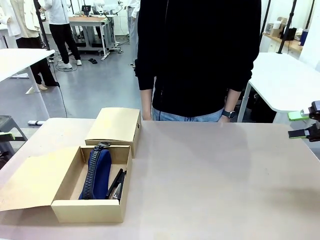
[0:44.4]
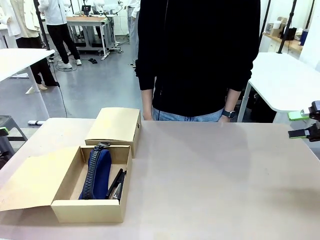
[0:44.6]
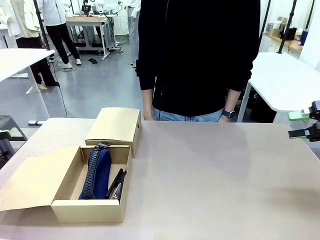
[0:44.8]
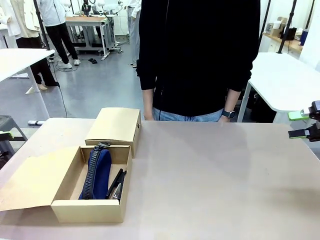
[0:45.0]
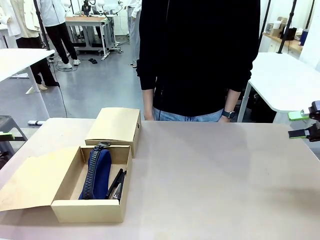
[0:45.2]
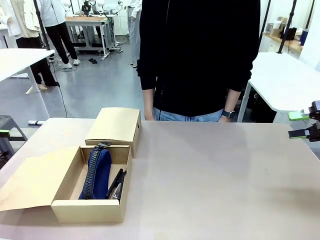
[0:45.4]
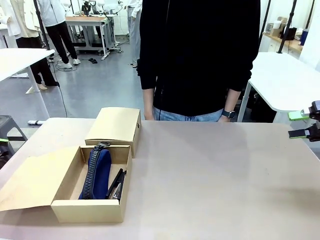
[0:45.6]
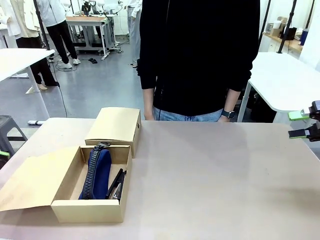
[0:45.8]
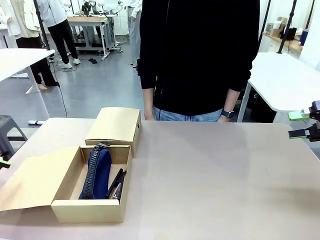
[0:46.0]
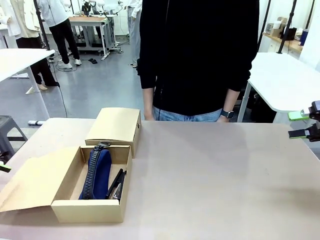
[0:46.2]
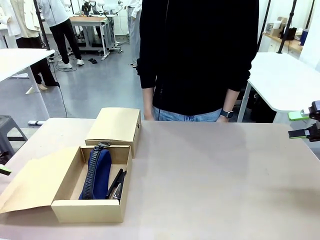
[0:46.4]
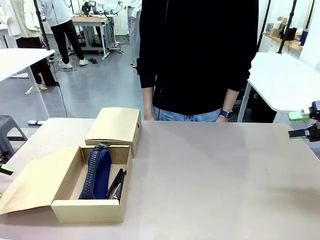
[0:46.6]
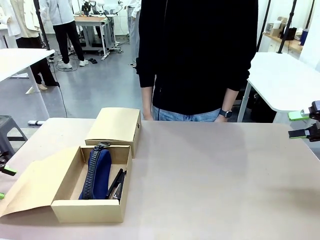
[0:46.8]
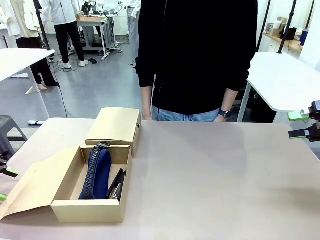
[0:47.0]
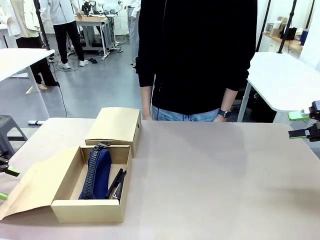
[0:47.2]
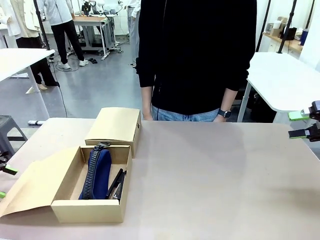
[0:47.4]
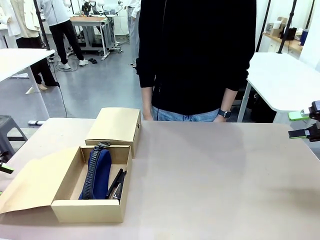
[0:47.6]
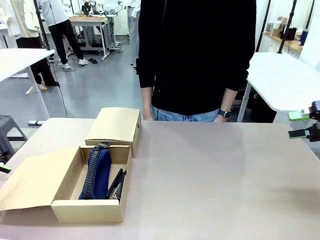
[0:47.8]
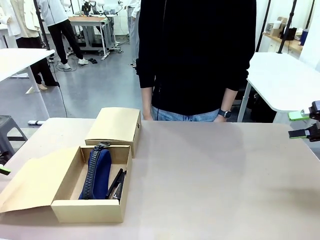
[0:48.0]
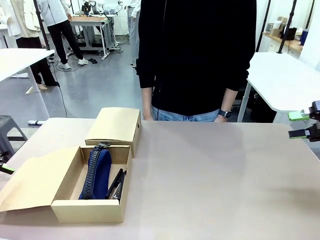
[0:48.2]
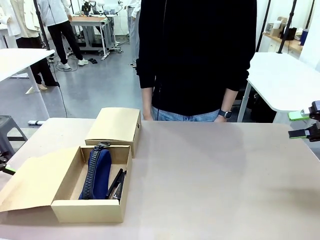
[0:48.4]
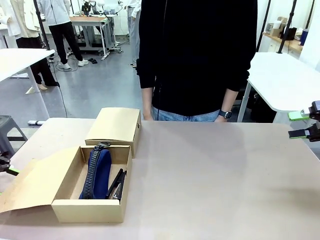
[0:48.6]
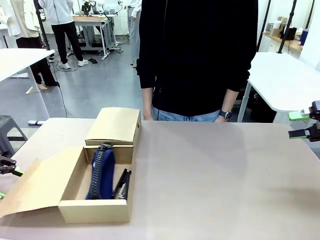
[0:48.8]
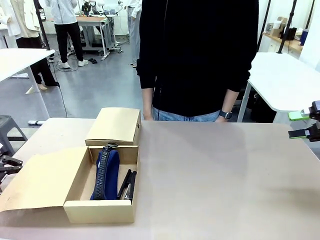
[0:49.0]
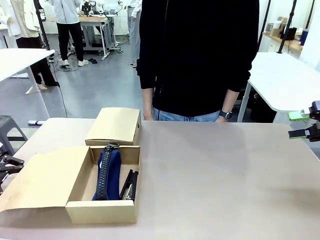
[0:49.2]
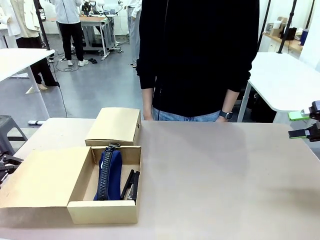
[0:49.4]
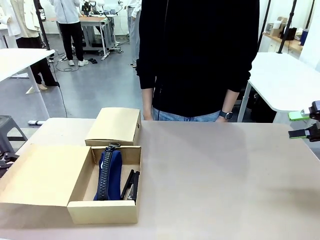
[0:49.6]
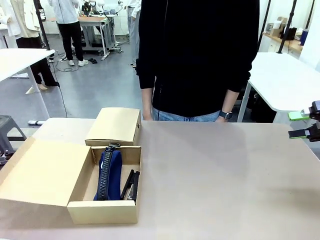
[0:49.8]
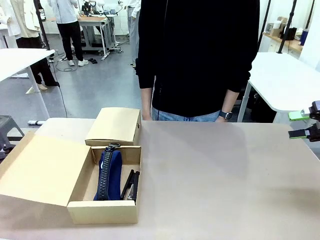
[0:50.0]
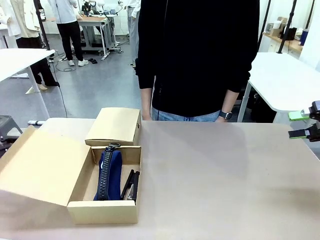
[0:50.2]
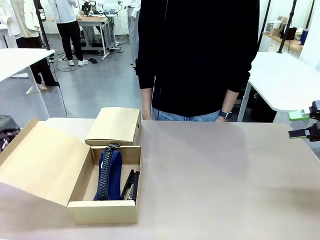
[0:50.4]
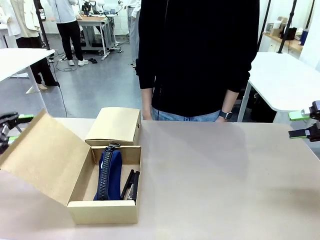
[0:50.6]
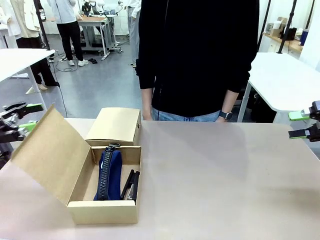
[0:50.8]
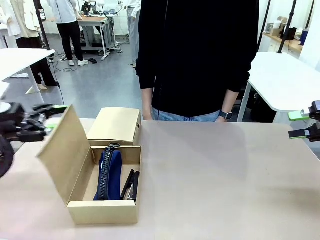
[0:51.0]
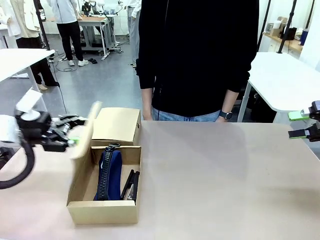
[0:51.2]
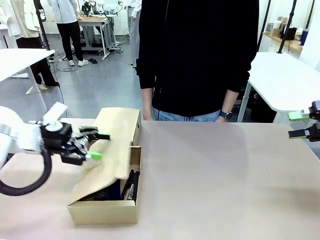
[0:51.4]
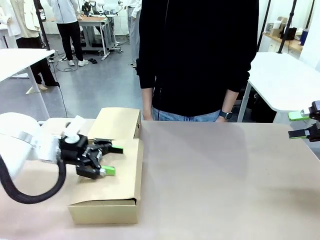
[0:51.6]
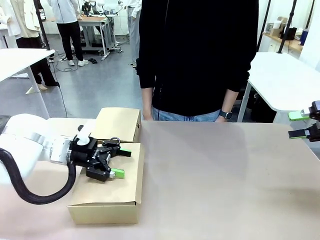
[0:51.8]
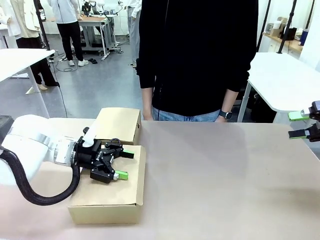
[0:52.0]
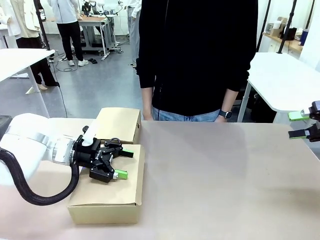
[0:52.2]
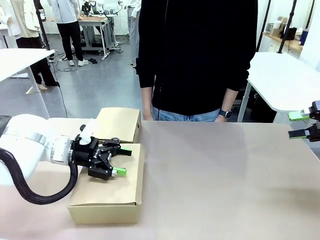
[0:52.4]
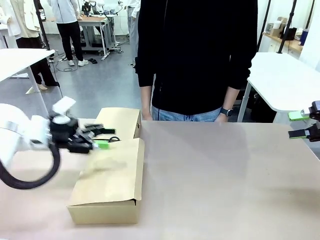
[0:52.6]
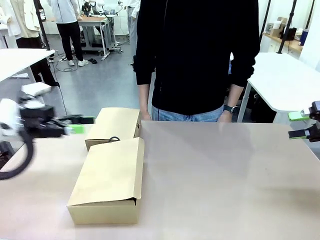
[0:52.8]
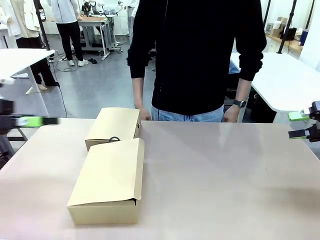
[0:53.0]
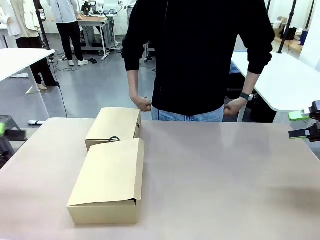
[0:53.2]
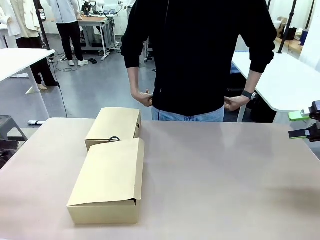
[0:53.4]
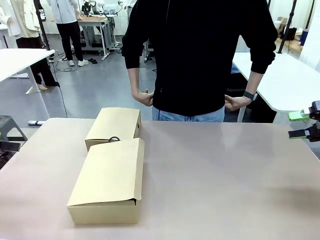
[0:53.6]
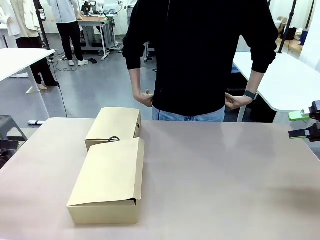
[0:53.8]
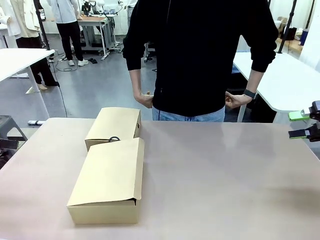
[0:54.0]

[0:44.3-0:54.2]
Task: Place items inside the box.
Robot: Close the lid of the Mailer Box closest to the robot.

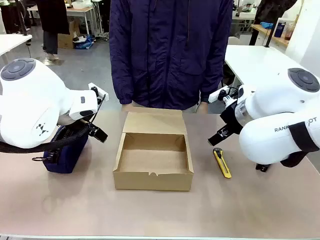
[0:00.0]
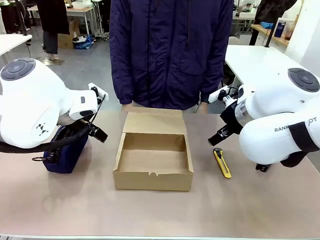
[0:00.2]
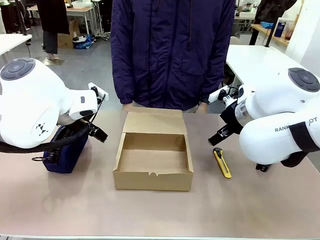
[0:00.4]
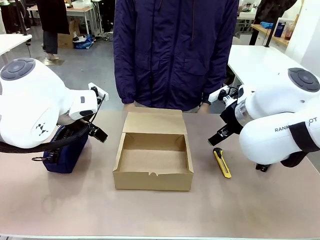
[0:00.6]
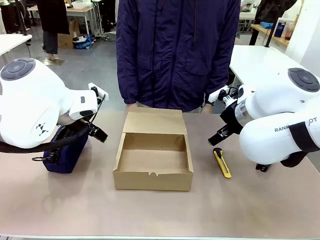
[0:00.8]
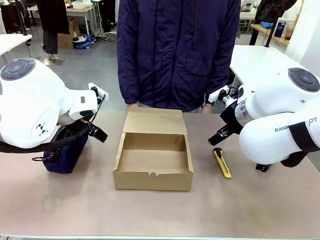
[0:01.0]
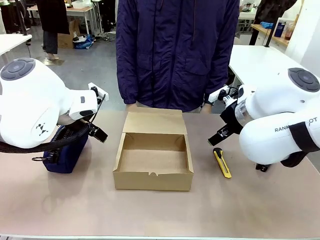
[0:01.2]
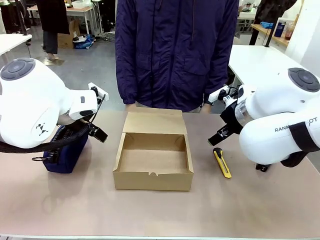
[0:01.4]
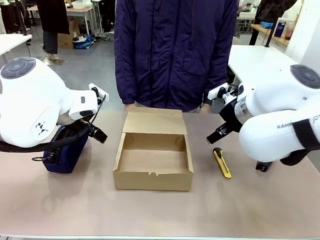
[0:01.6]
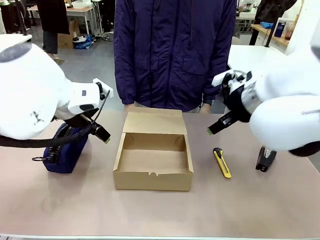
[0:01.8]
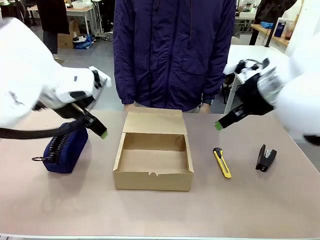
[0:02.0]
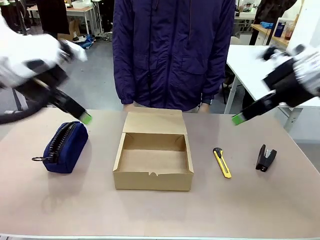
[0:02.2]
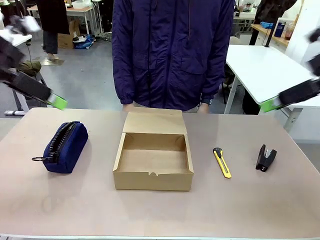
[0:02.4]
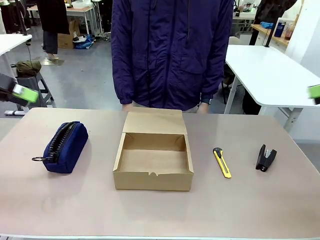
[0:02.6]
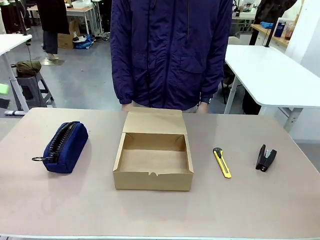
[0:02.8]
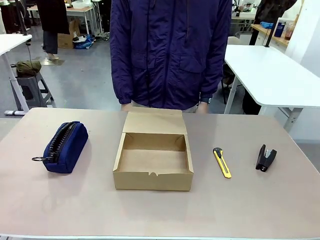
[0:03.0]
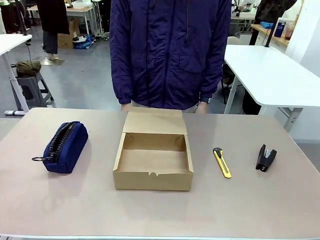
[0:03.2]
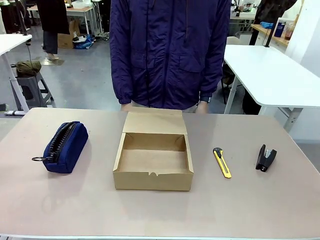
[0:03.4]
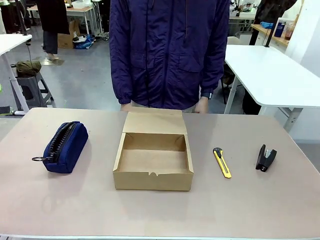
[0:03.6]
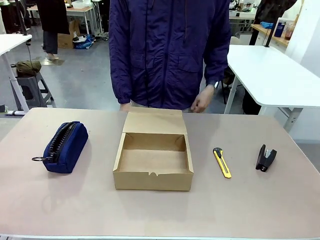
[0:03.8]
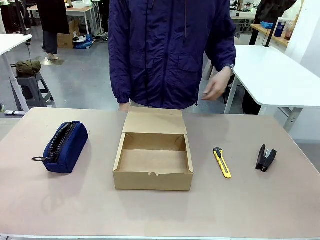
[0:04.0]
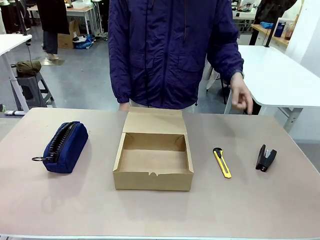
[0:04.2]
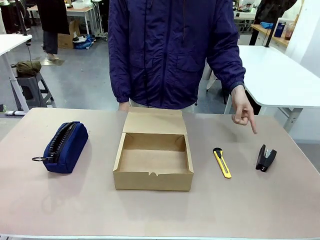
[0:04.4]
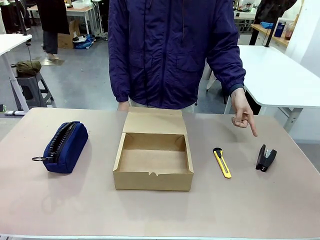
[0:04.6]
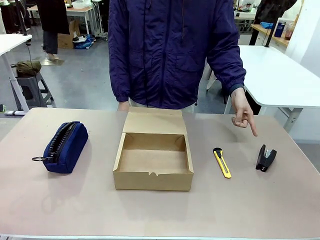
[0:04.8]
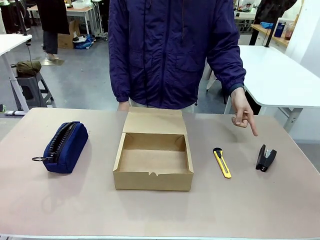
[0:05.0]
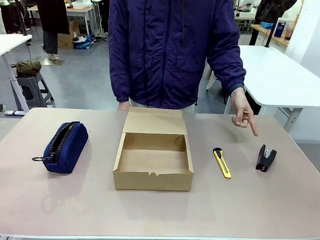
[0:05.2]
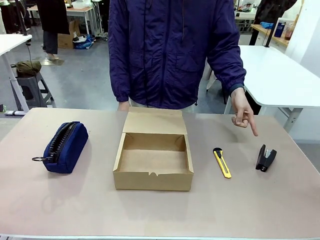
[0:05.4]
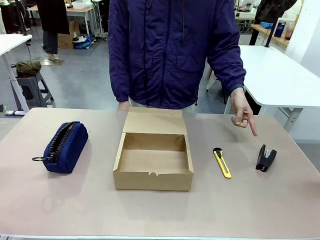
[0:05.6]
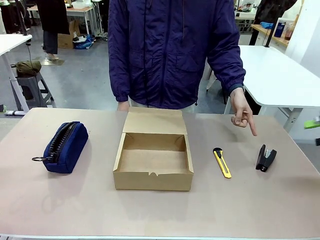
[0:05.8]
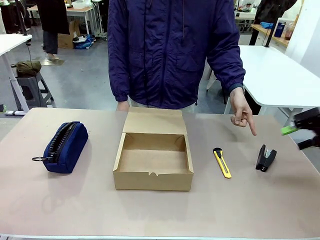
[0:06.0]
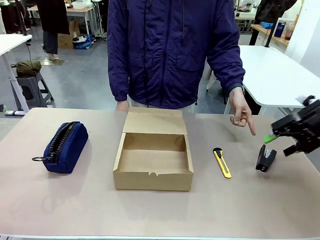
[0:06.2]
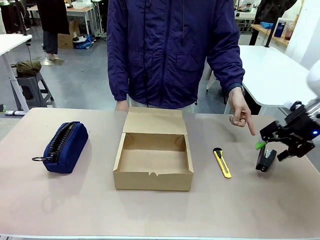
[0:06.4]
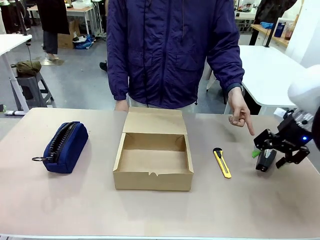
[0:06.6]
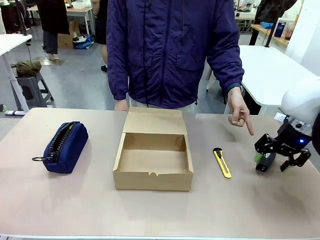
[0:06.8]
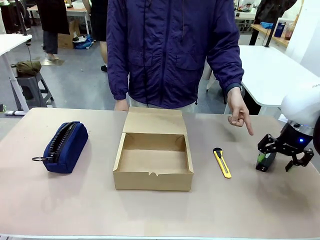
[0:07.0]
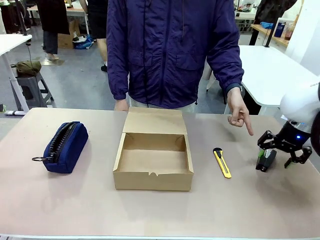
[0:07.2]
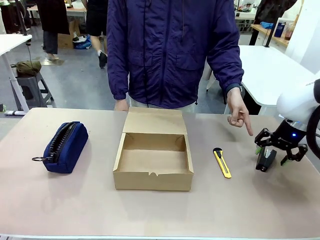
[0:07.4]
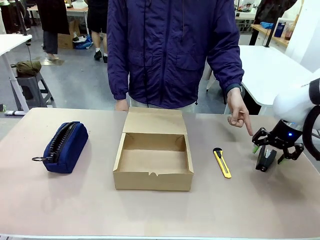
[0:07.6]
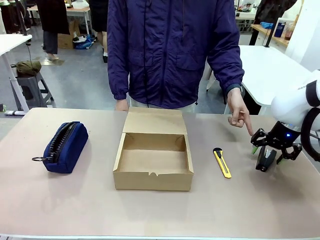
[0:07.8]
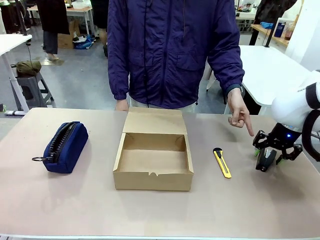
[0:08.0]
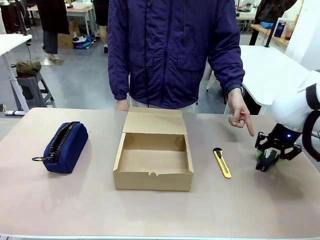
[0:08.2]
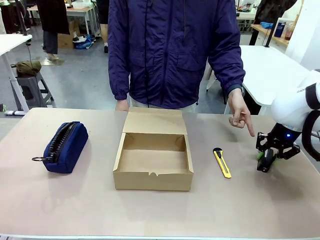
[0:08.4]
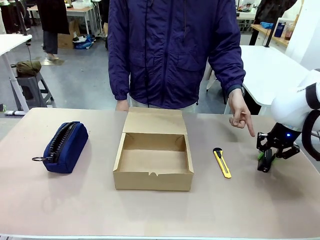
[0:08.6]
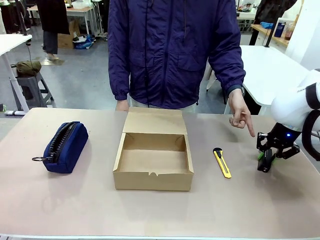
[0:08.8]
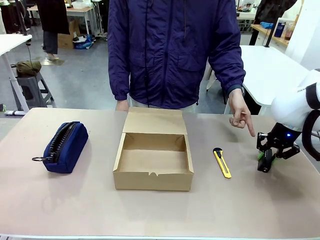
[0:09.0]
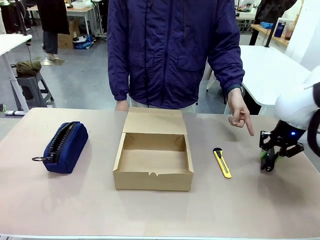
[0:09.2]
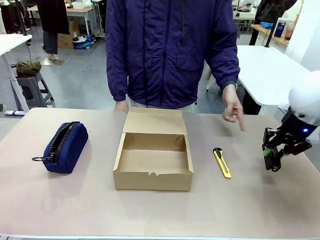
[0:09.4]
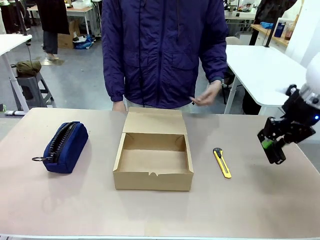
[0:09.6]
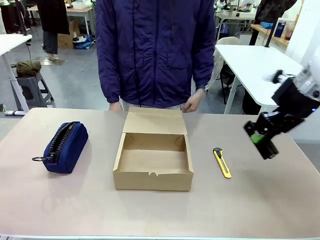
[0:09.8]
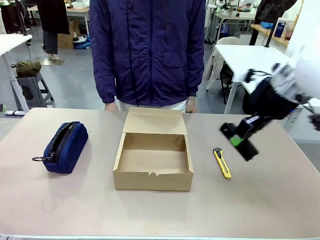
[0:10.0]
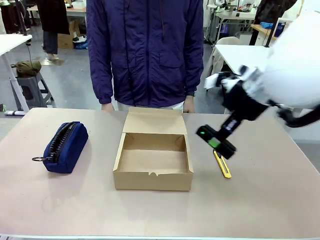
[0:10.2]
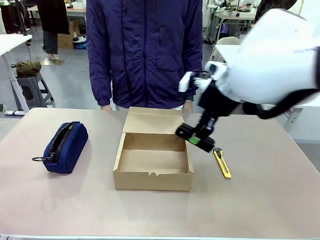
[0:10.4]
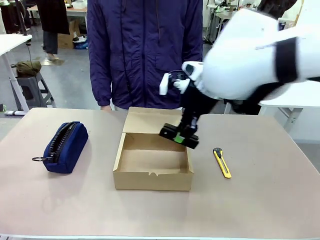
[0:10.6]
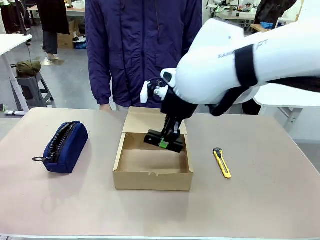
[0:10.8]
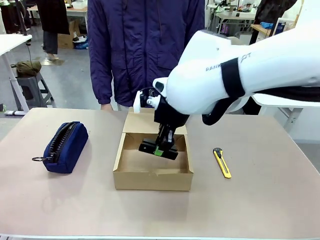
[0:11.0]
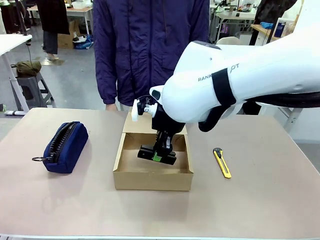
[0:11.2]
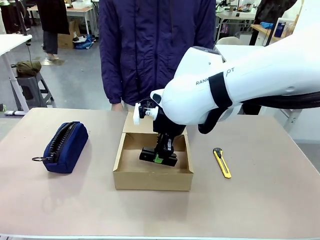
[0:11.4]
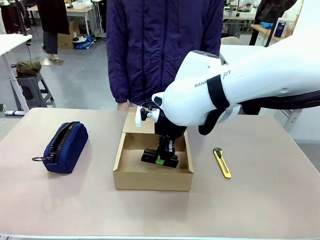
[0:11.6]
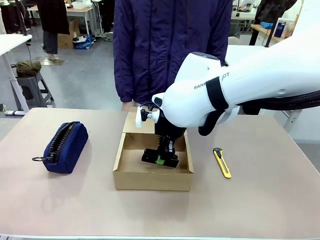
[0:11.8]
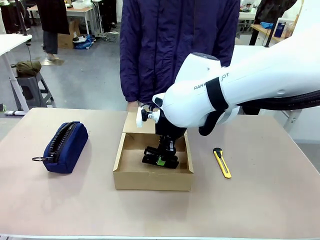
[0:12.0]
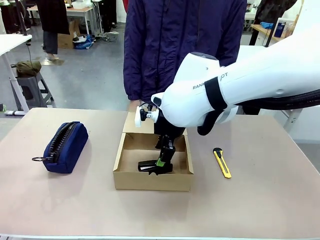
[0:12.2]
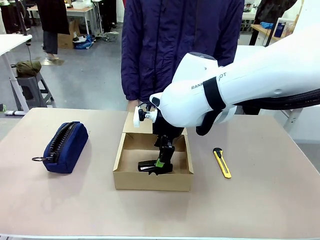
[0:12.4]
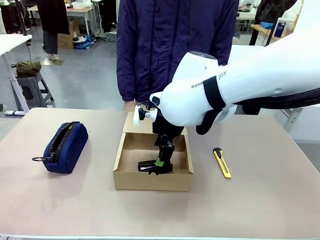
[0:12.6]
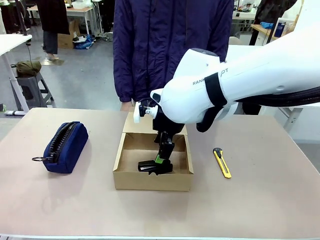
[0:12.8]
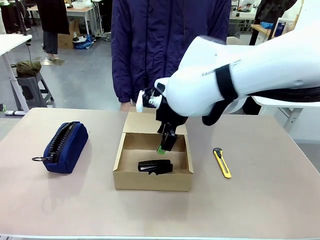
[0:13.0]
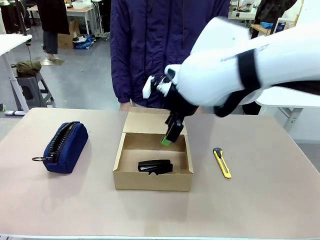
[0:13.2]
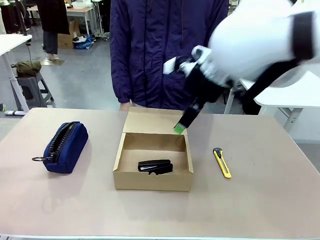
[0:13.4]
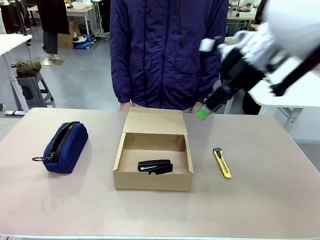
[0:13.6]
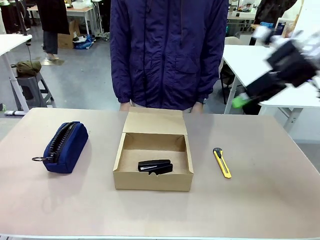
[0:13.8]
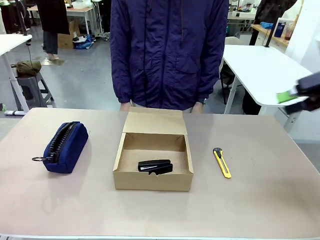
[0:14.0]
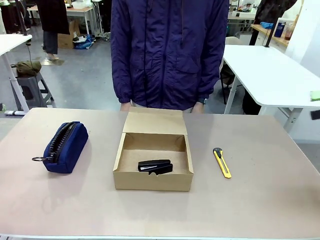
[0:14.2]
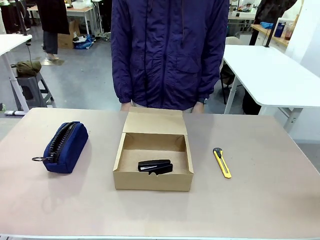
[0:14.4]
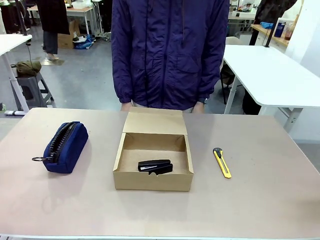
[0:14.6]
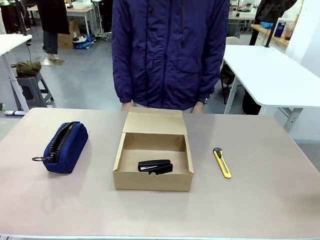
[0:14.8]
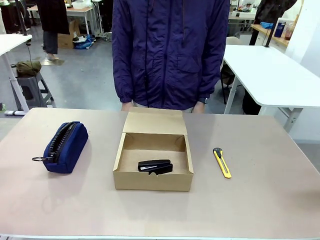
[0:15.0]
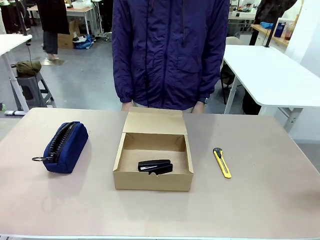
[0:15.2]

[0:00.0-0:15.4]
Task: Pack the item into the box.
Robot: Pick up the item indicated by the person and place it inside the Mailer Box.
Person: Point at one item on the table (excluding the box).
